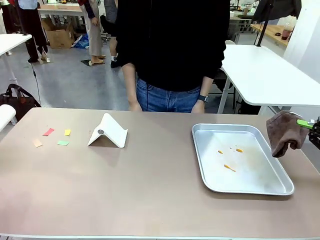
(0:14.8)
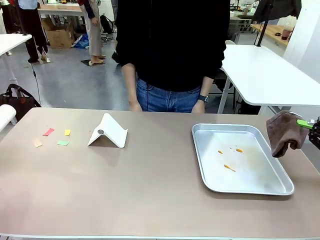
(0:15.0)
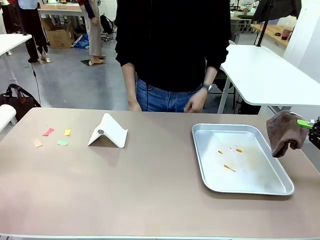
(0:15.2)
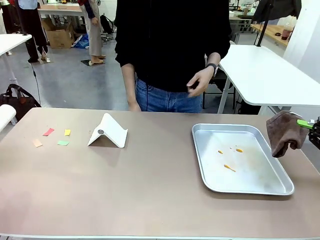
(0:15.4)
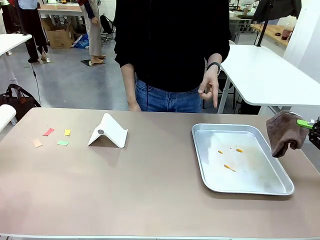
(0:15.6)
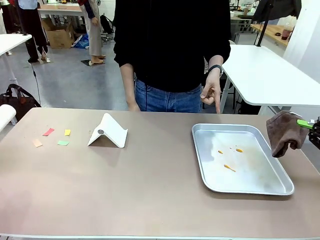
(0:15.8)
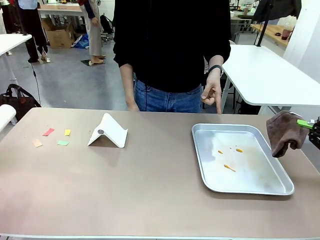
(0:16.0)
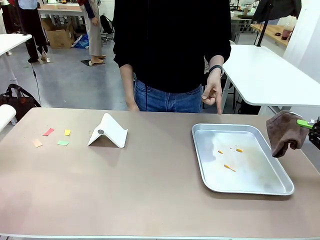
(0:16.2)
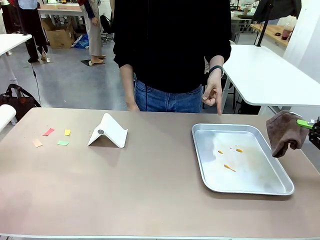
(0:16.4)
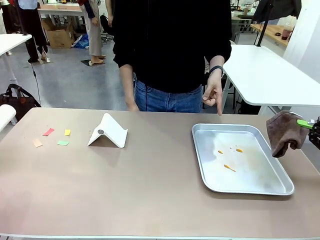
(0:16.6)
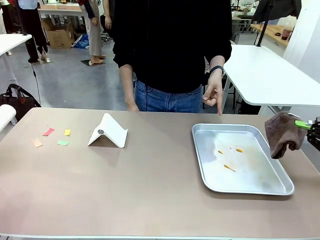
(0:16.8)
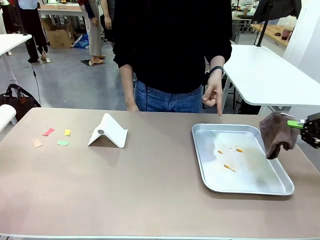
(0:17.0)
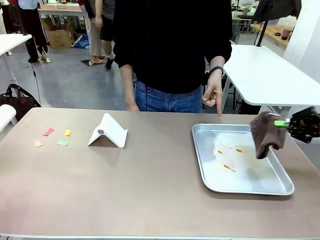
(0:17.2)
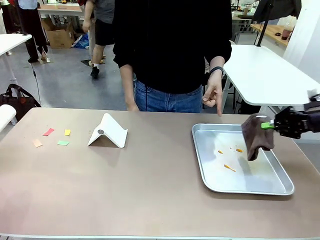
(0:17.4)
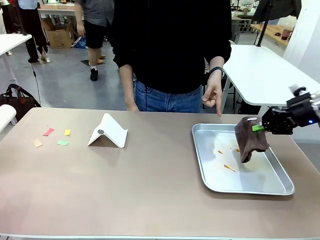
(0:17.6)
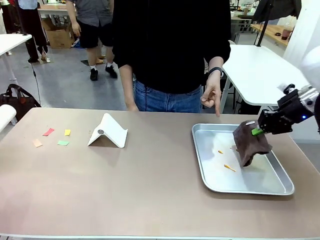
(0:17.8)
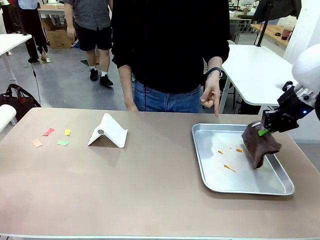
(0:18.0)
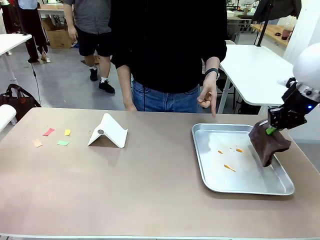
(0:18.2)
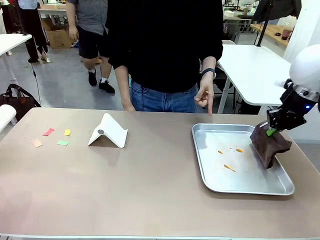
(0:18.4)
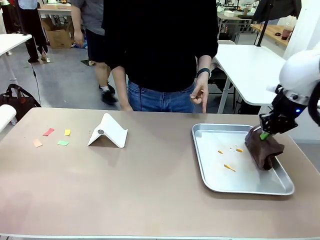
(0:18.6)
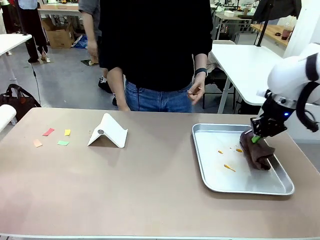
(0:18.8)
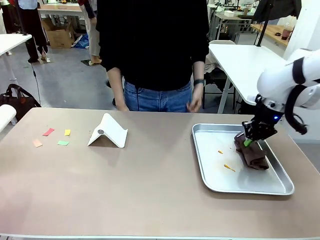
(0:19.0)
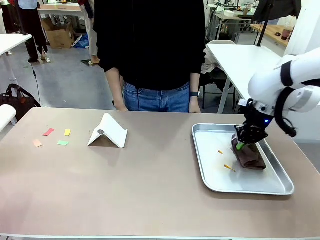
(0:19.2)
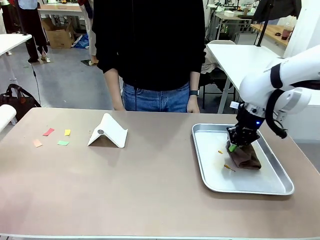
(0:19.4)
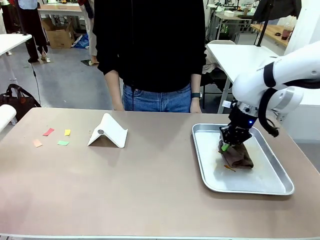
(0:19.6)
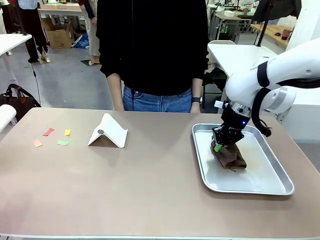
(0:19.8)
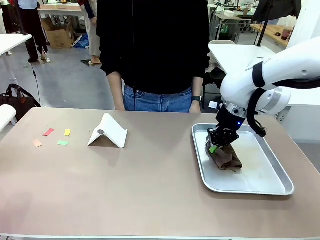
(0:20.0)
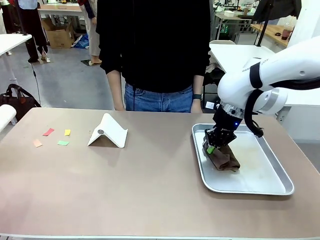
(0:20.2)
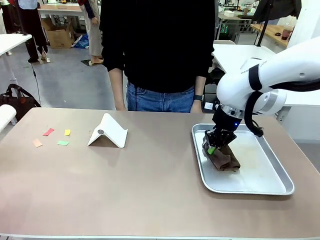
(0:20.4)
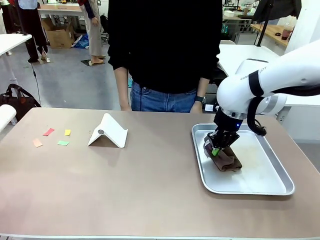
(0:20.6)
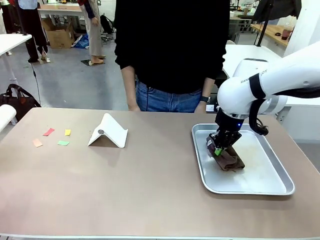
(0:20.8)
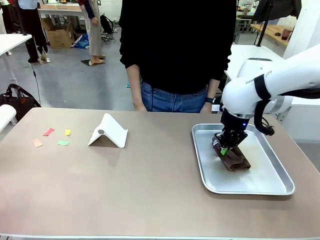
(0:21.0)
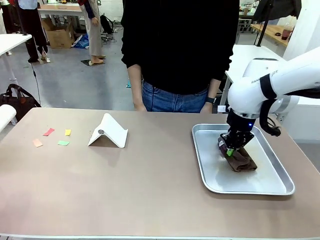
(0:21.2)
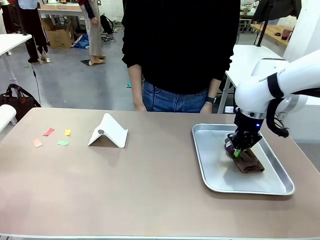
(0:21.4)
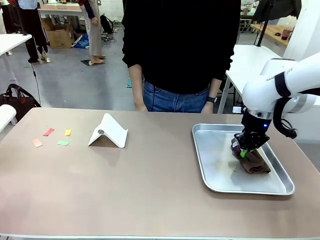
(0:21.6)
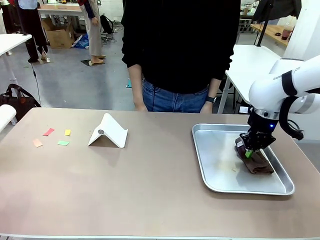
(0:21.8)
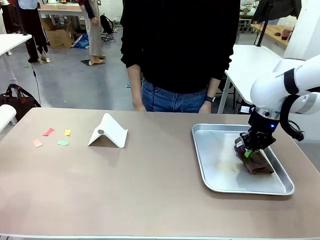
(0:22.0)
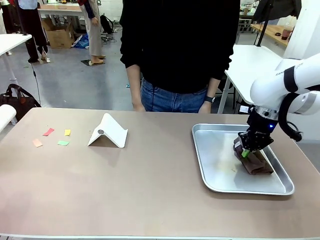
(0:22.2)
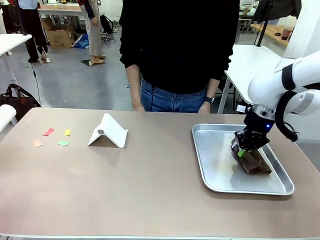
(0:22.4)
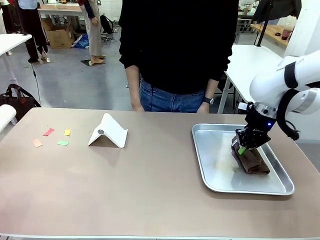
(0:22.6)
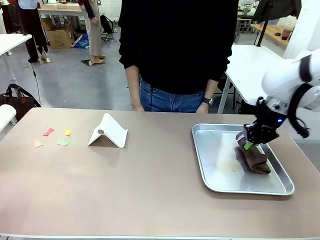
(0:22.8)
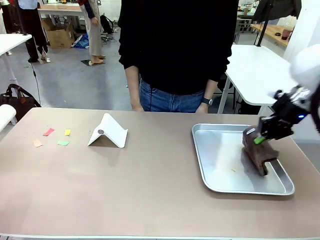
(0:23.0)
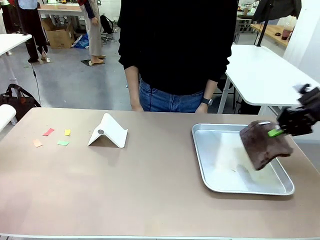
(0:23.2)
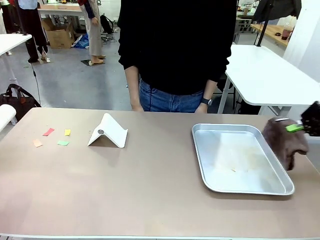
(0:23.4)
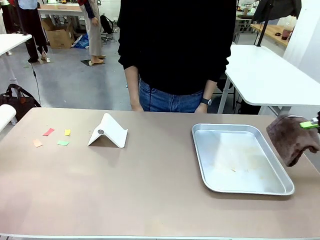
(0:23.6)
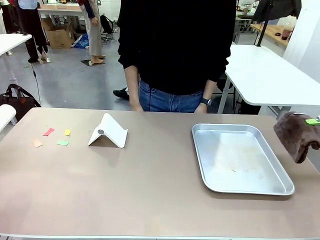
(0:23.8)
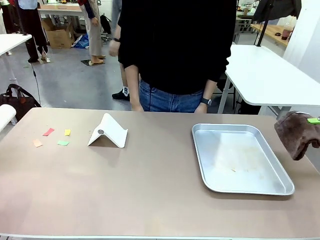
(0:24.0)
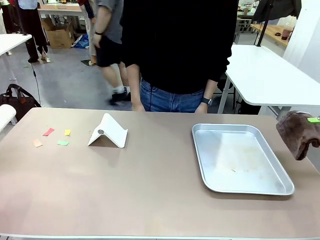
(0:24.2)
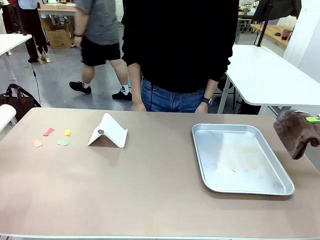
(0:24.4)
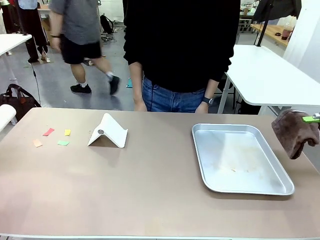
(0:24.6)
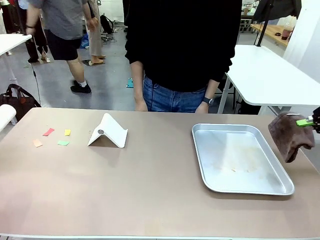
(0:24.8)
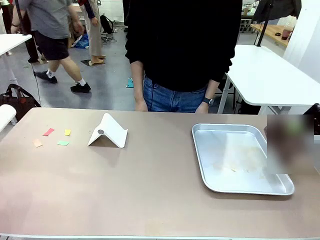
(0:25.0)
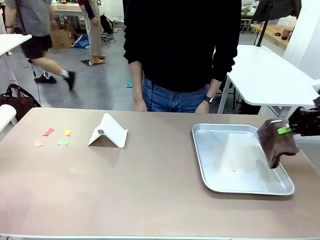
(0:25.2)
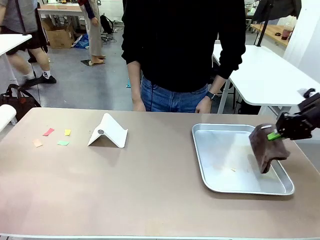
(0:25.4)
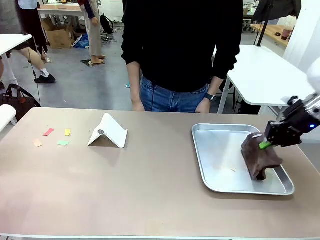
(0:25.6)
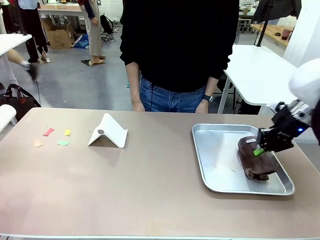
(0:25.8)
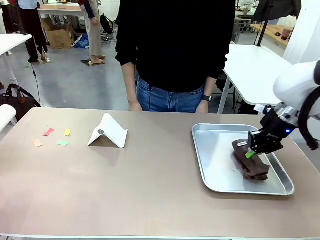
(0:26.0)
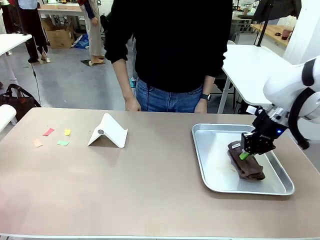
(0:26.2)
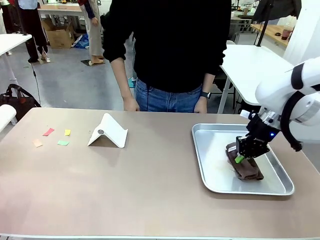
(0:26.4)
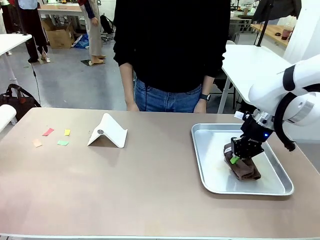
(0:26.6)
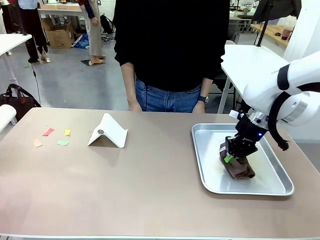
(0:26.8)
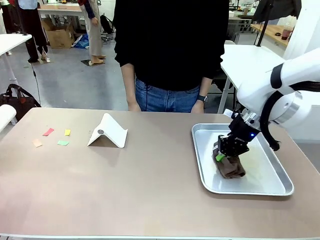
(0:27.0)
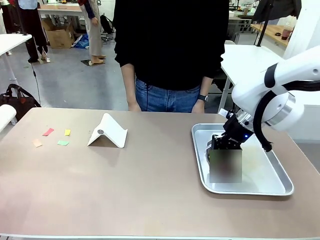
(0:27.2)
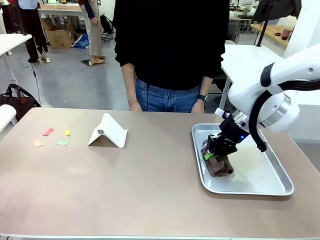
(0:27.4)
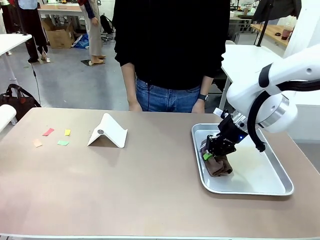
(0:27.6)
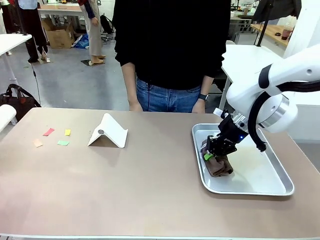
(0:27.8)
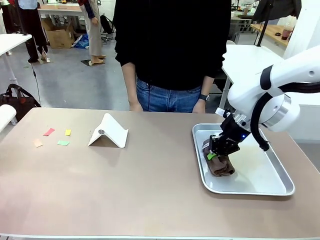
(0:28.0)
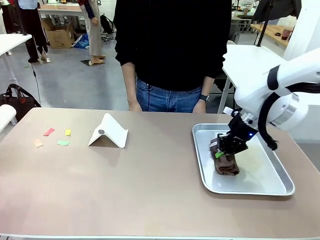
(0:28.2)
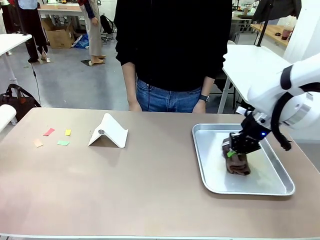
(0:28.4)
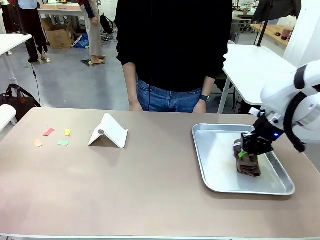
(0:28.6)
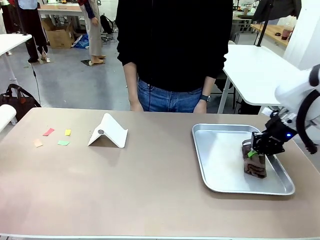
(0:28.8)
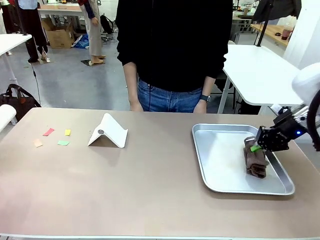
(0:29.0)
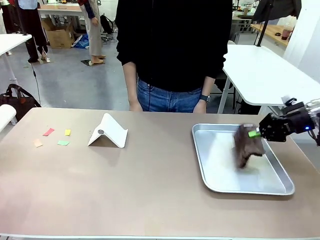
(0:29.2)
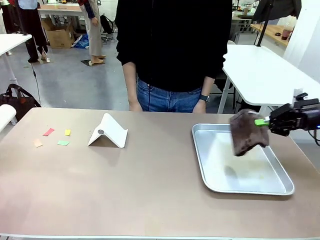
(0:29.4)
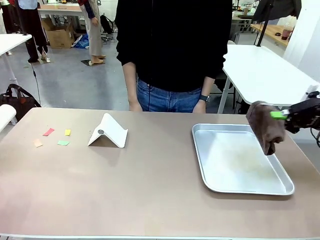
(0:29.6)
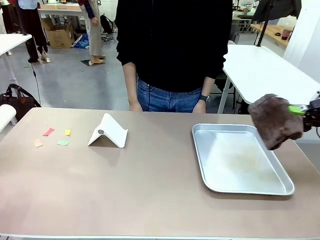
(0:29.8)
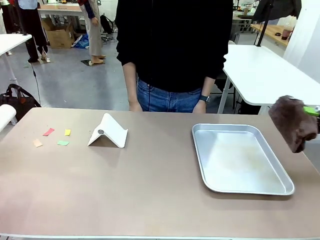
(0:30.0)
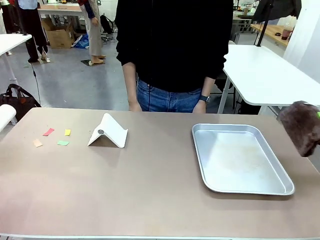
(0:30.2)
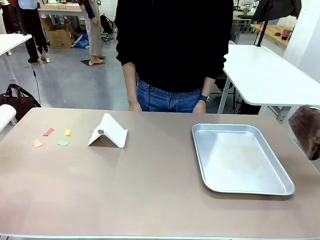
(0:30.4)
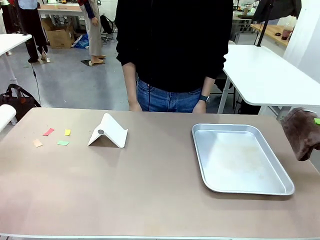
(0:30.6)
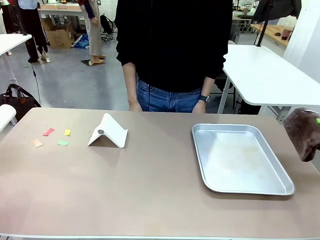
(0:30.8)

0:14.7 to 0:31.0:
Task: Clean the surface of the table.
Robot: If a person points to the right, clean the right side of the table with your right hand, and if they point to the left, clean the left side with your left hand.

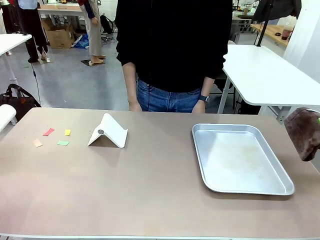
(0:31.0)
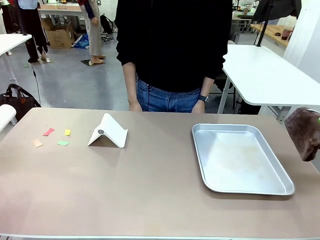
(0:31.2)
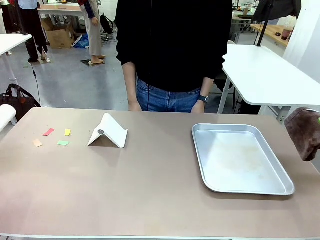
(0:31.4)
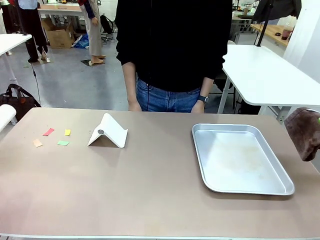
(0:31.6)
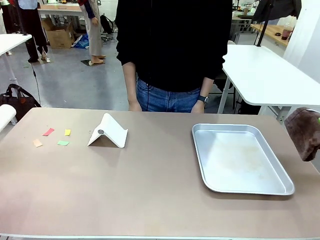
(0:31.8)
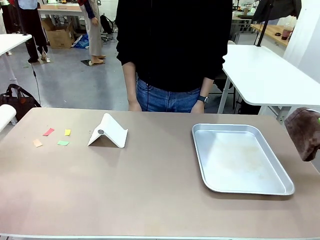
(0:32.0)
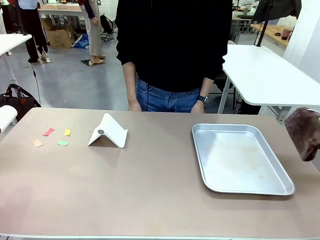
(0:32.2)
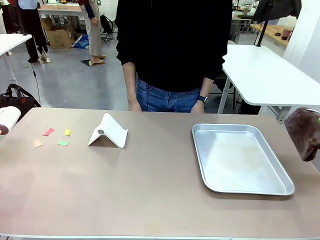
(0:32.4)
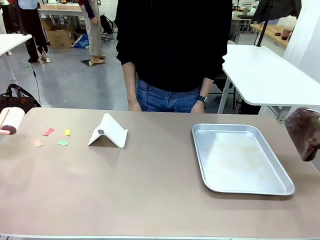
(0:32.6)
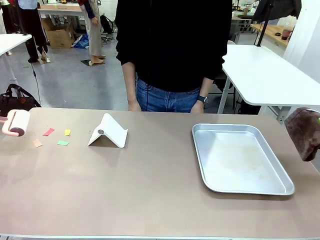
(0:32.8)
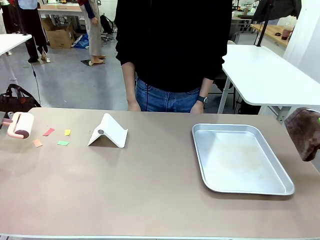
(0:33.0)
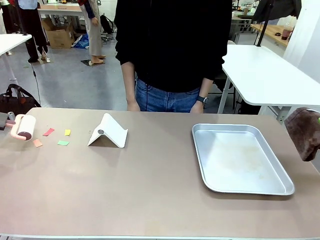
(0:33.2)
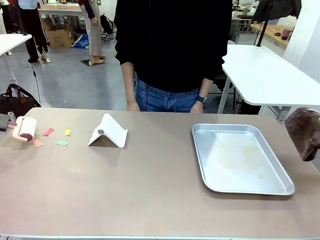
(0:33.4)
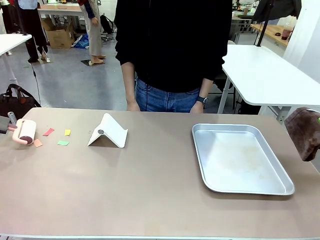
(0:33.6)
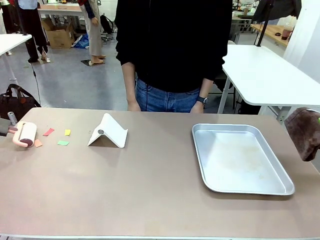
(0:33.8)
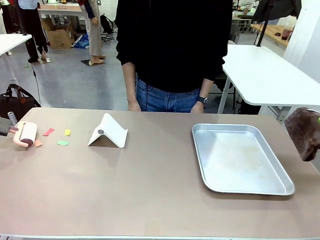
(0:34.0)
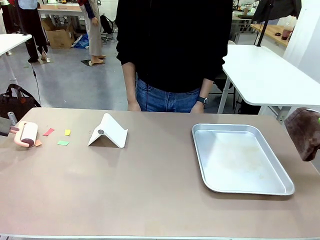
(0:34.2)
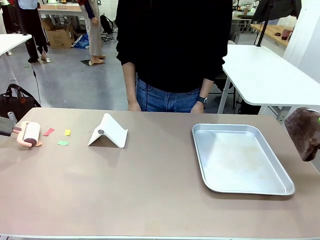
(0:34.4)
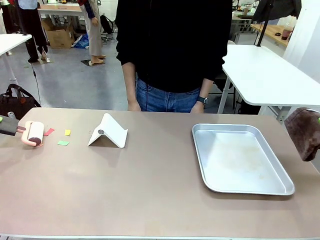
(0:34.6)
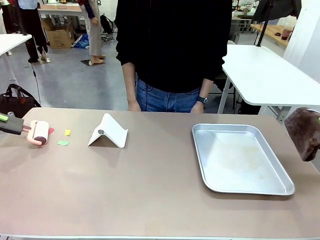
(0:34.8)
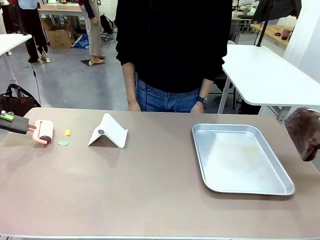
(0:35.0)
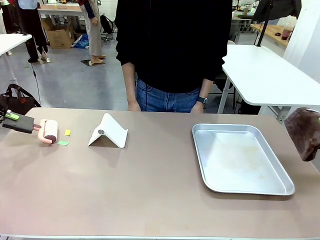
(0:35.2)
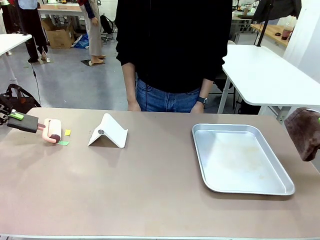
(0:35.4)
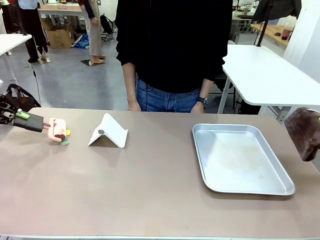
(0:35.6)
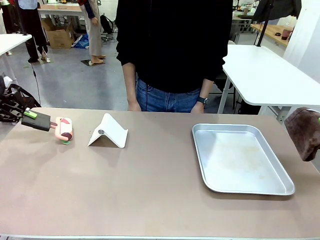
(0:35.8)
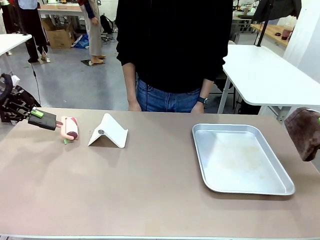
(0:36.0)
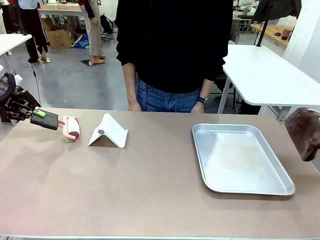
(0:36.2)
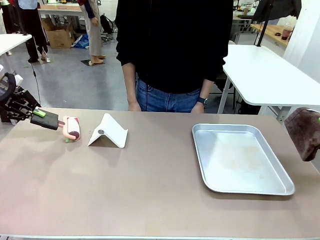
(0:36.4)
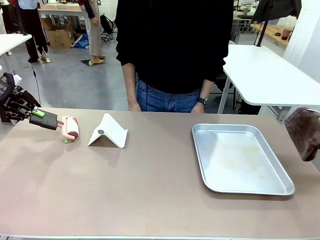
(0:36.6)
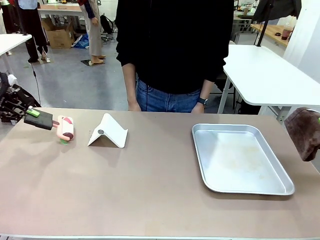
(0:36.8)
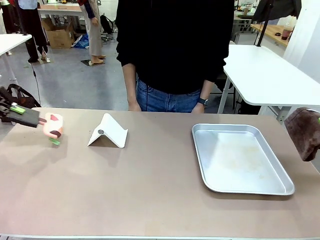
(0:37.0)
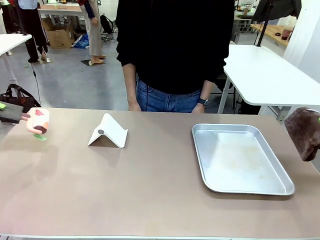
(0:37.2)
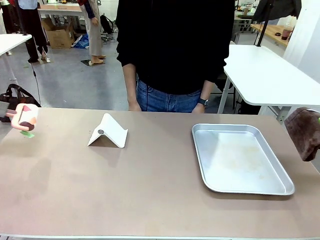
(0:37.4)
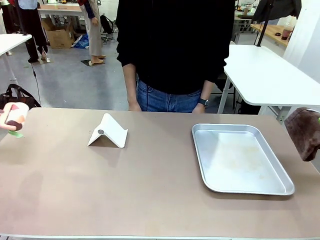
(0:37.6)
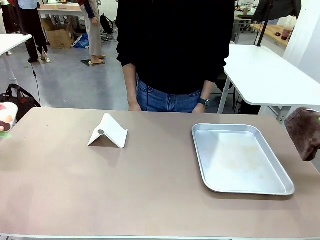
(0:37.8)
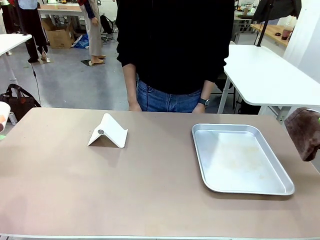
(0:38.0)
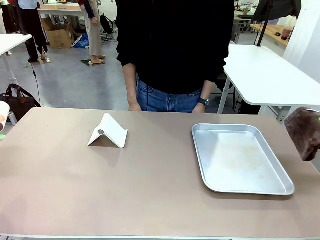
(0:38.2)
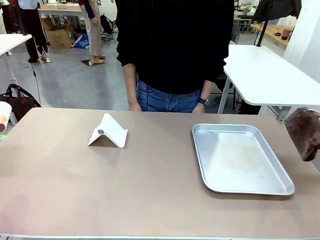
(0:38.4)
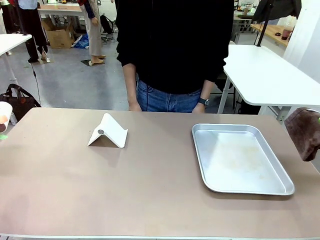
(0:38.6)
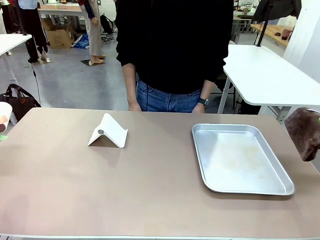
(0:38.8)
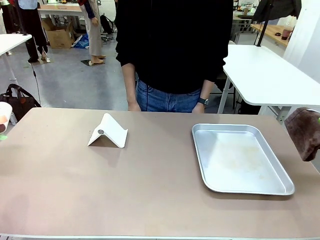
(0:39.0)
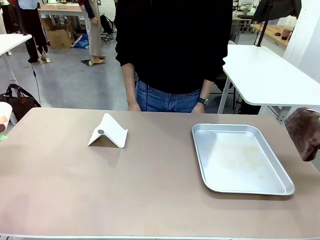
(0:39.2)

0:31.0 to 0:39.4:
Robot: Clean the area not pointed to by the person.
